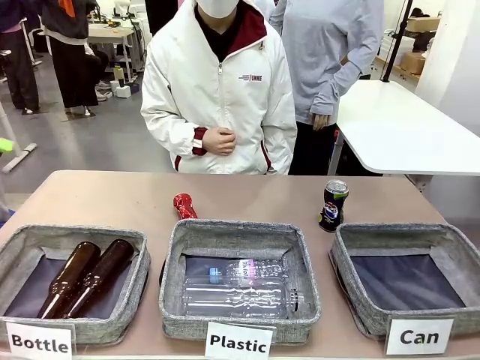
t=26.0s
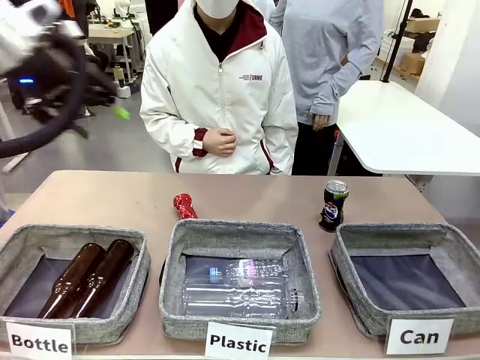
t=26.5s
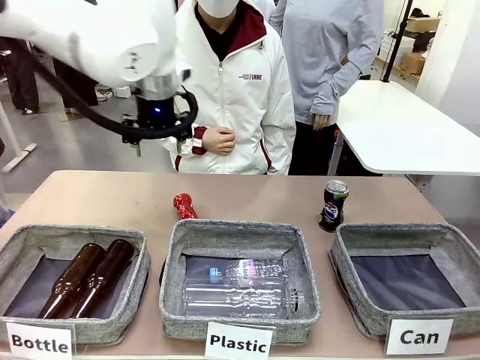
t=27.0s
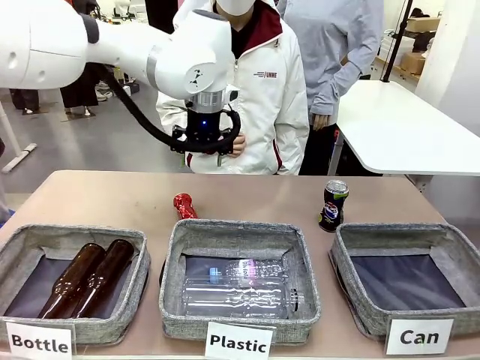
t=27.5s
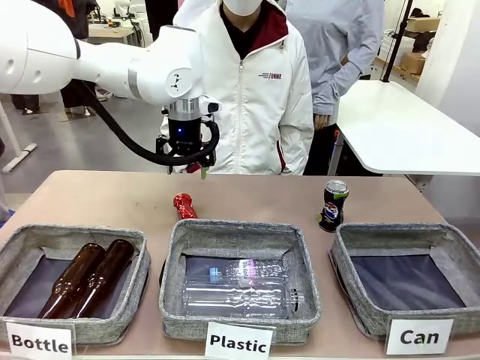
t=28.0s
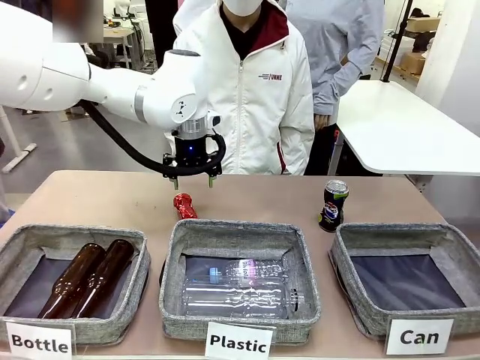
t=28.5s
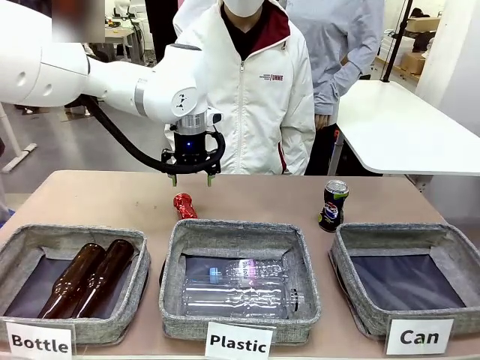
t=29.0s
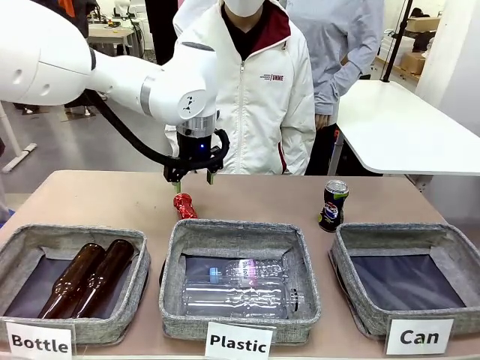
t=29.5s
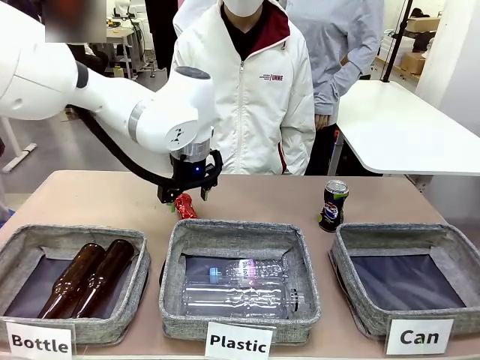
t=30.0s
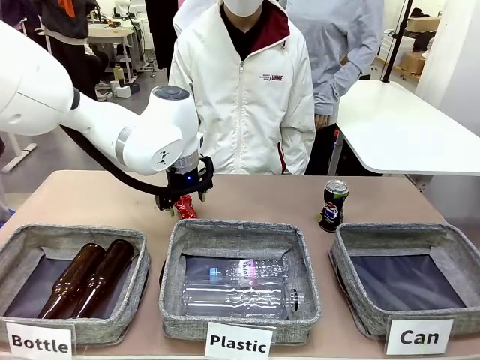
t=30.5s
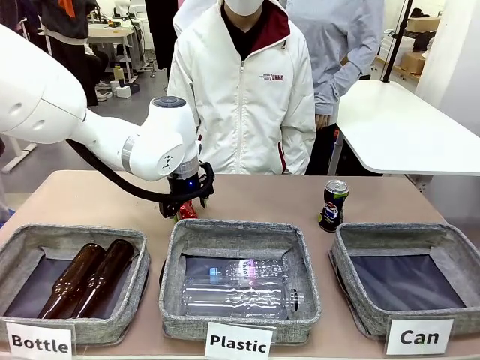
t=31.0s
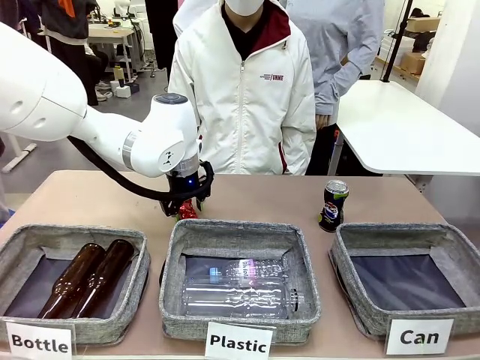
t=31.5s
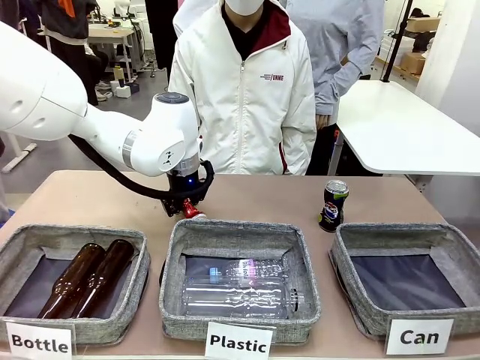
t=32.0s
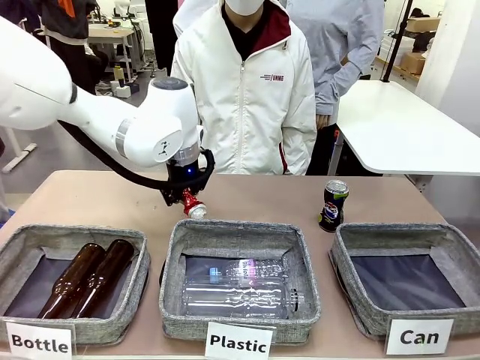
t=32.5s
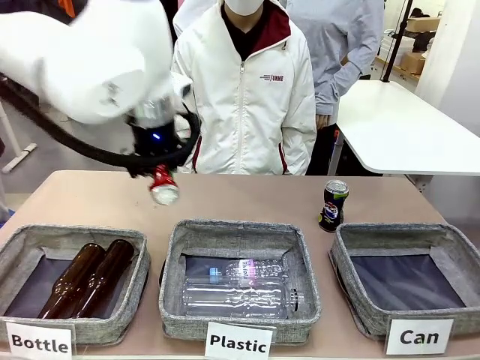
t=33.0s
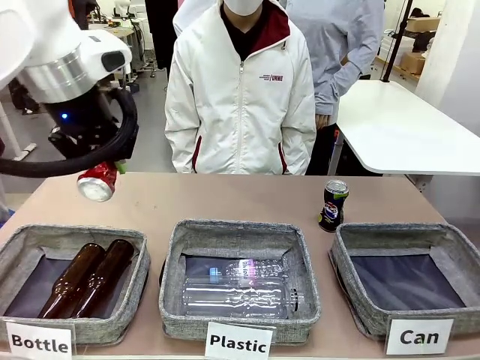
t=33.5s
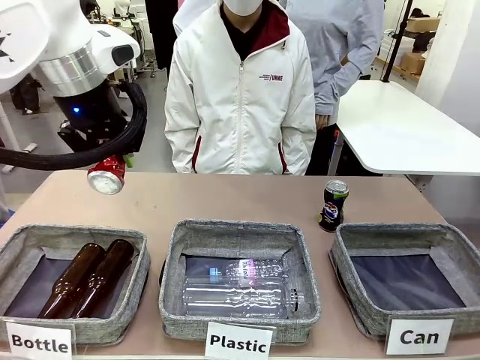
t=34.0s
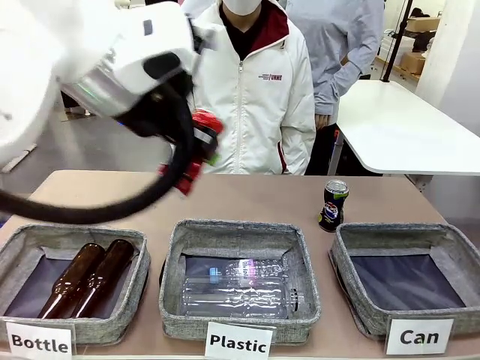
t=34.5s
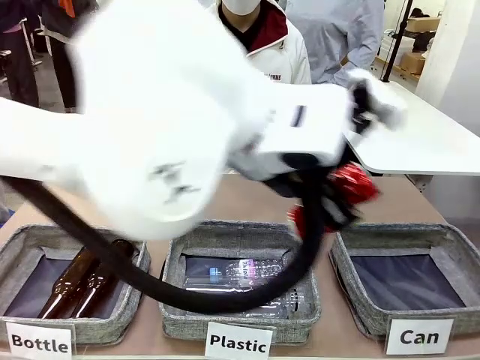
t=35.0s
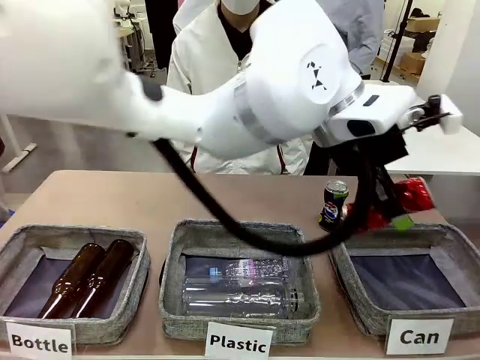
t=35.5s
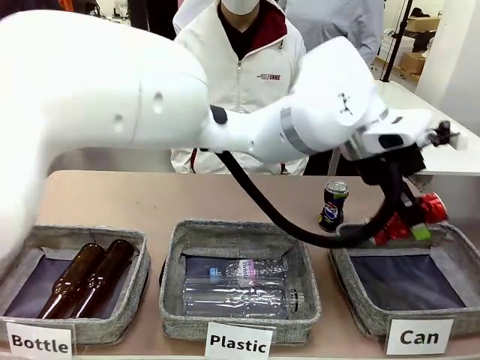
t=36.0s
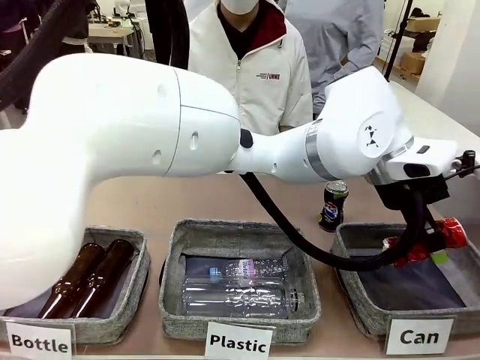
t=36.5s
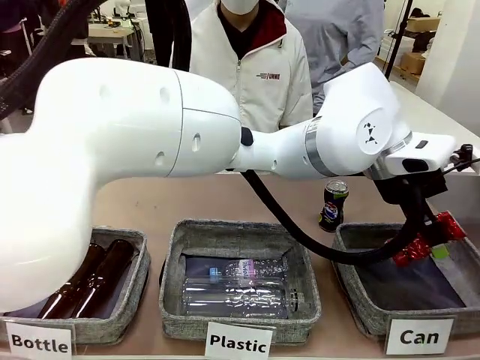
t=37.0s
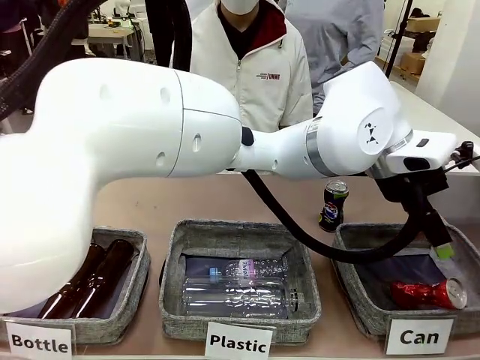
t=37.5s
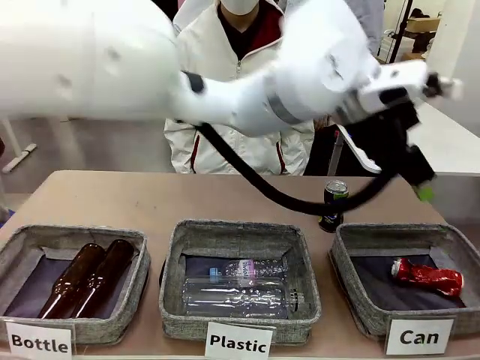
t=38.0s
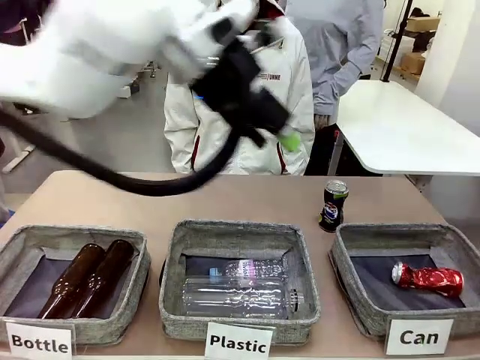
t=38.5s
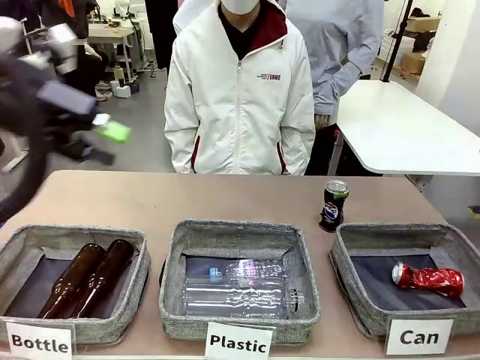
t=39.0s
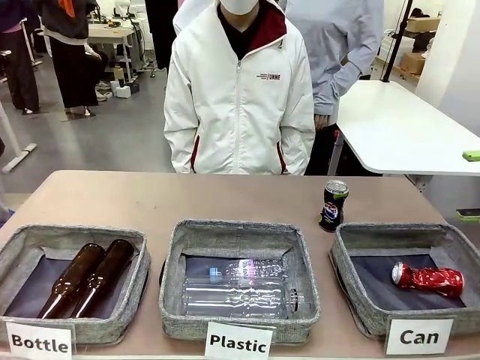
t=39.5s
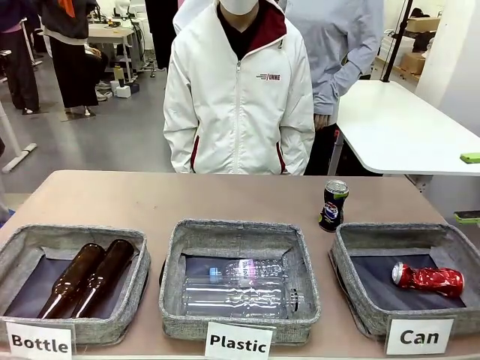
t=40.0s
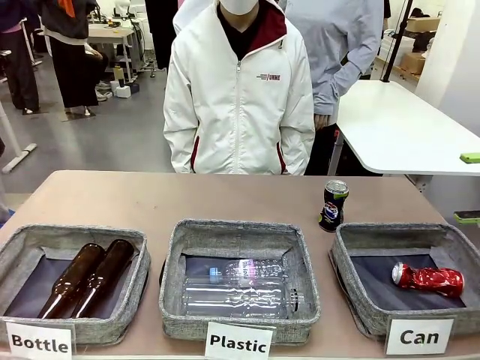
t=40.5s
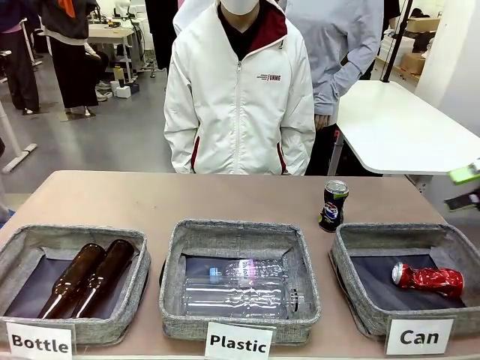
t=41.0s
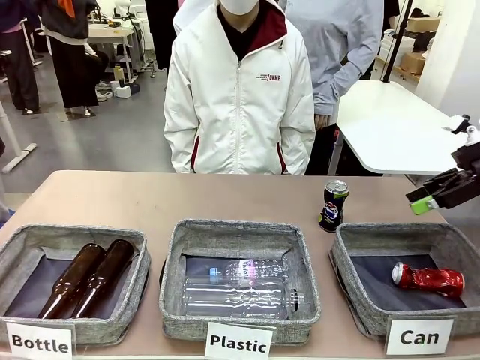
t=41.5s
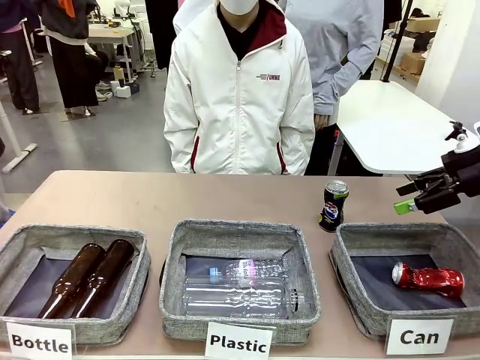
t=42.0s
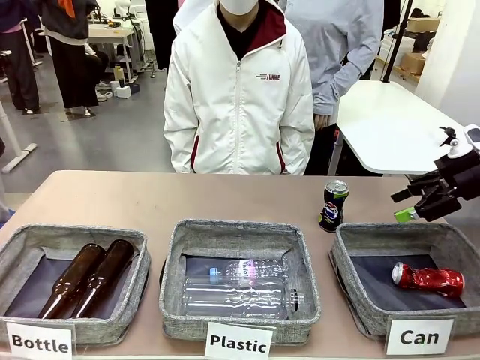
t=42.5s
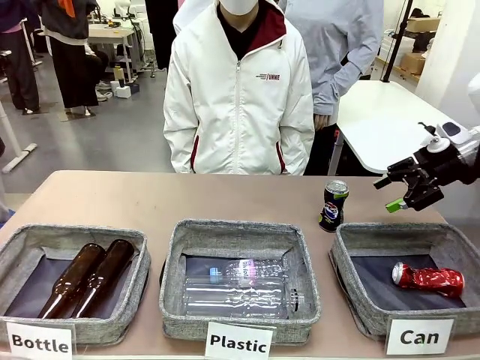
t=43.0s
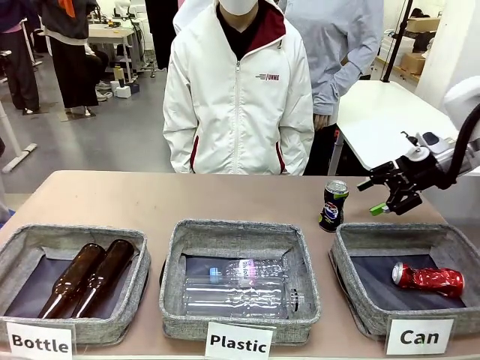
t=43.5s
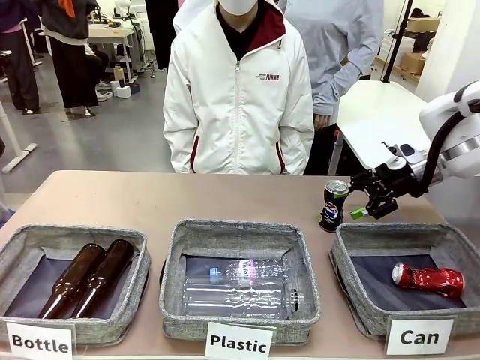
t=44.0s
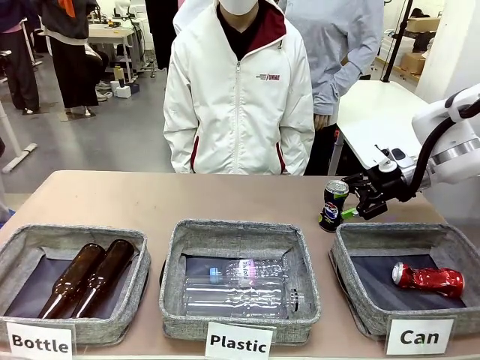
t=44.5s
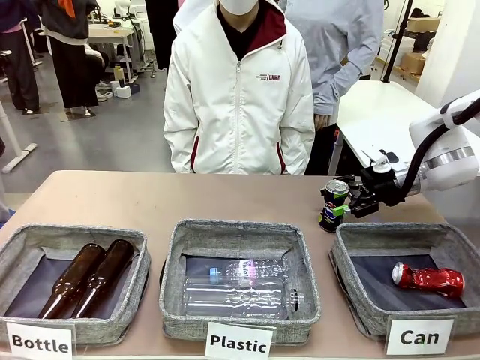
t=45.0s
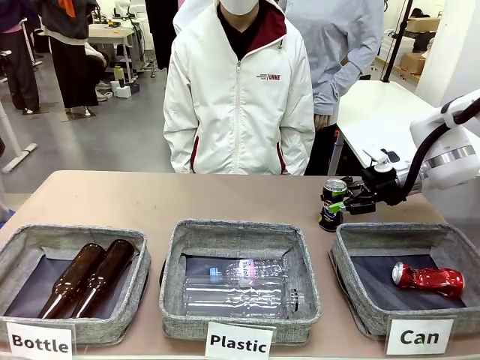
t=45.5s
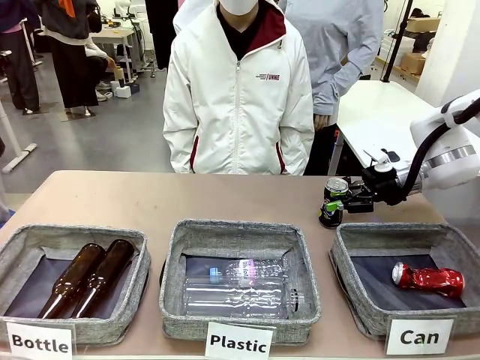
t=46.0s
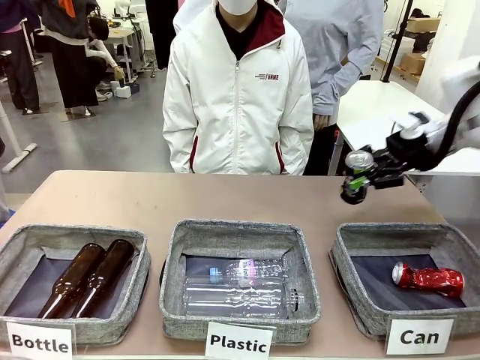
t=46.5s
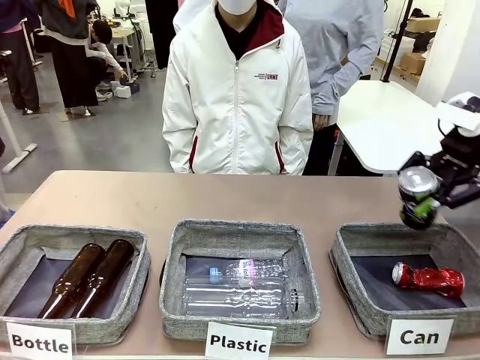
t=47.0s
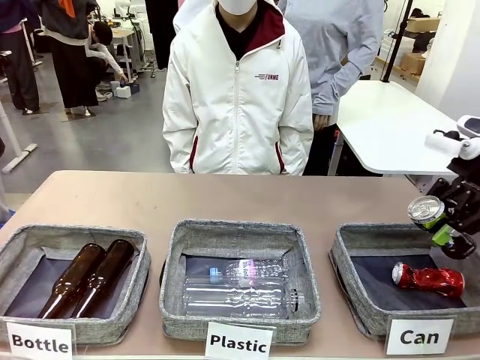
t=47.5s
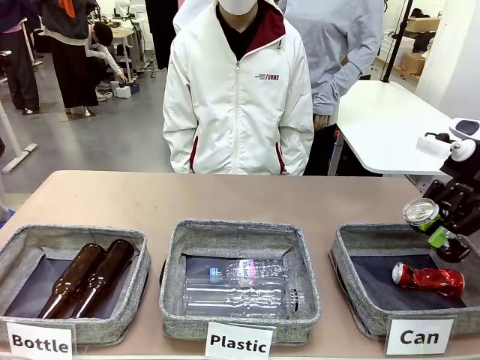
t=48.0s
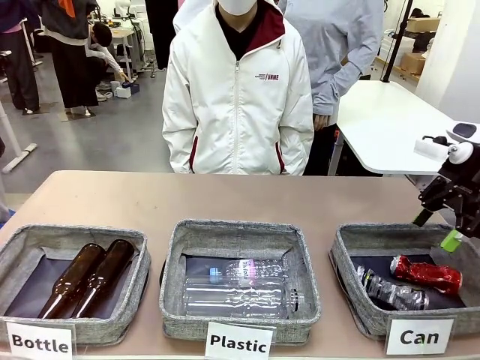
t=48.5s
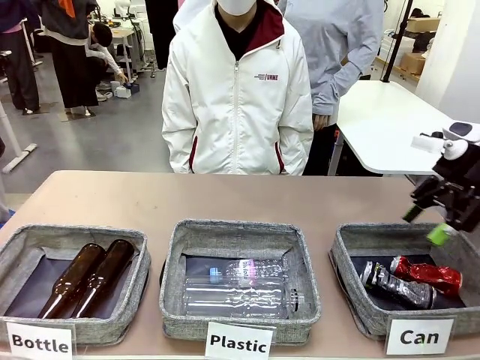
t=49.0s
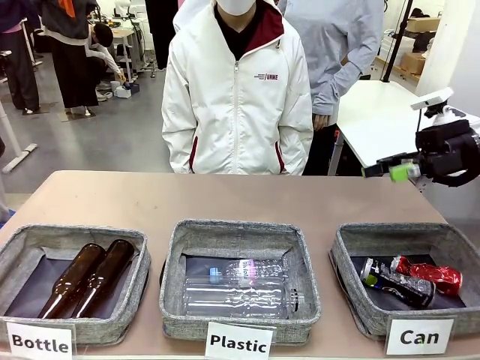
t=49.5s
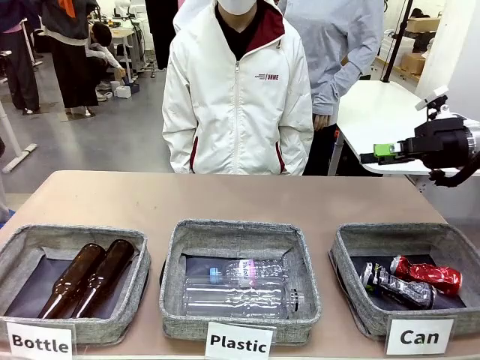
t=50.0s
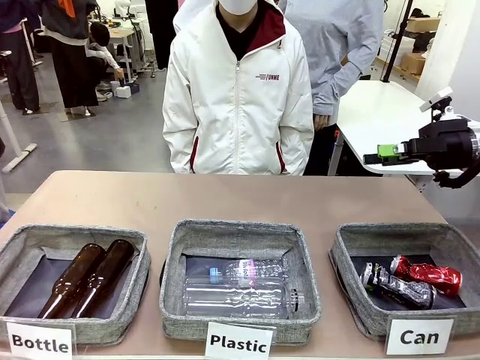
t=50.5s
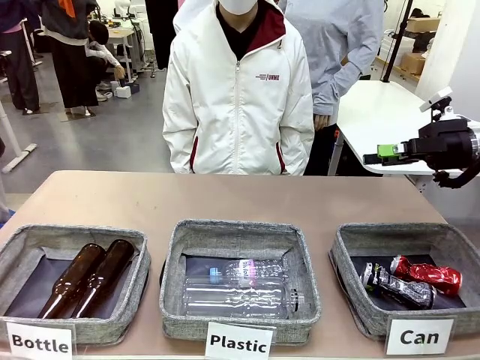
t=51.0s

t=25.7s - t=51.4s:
Task: Sort the can waste into the basket.
Robot: Pick up the can waste from the table and place it in the right Fabric basket.

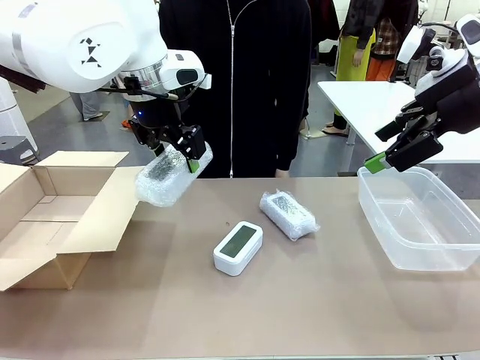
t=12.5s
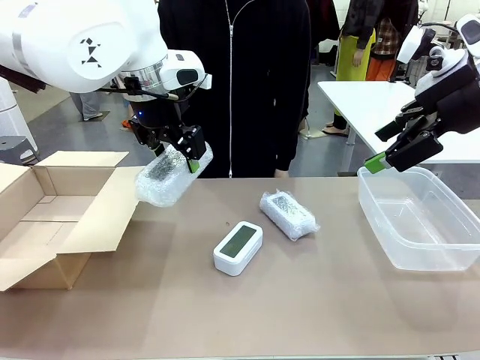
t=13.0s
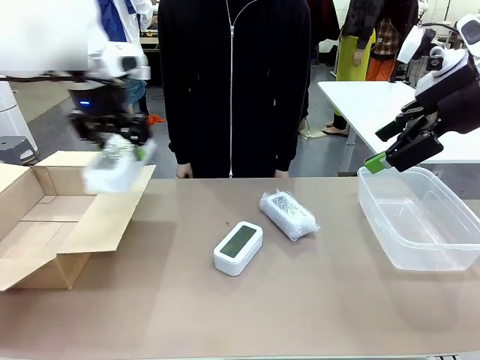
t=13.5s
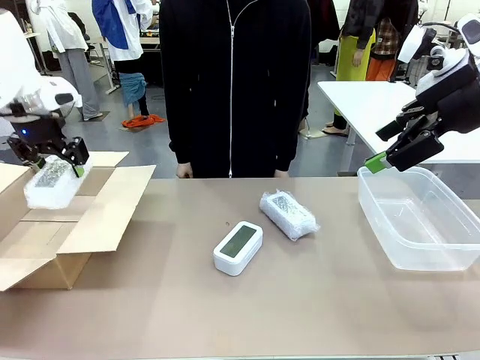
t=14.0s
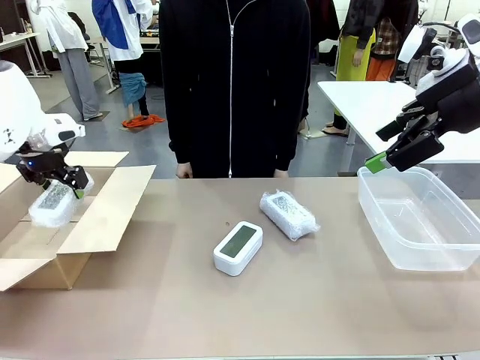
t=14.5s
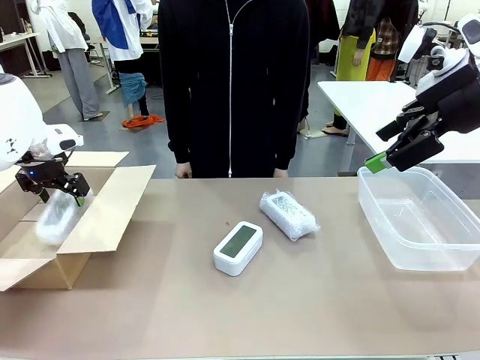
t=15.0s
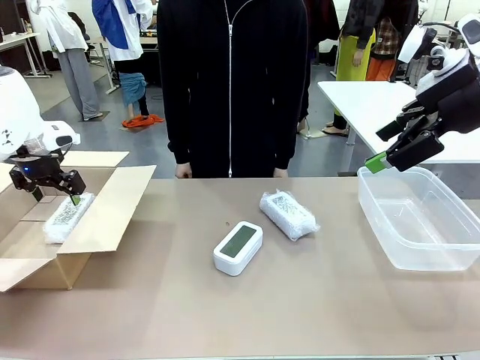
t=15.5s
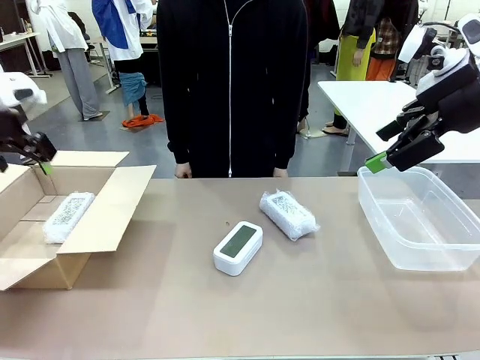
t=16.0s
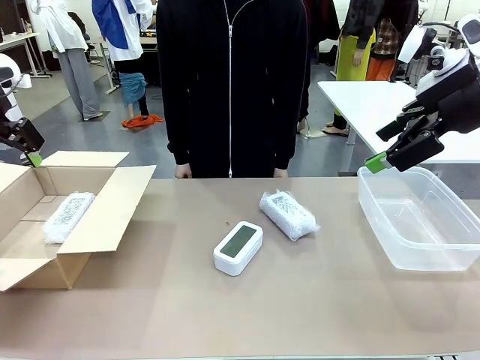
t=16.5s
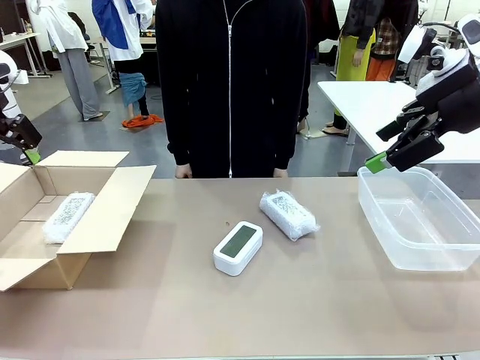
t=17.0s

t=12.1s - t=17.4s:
Task: Separate and place wrapped and unwrapped clocks.
Robot: If the picked Digital clock is wrapped, place it in the Package Box ; if not, place it in the Organizing box.
